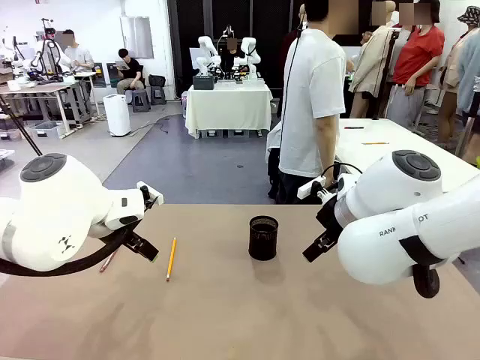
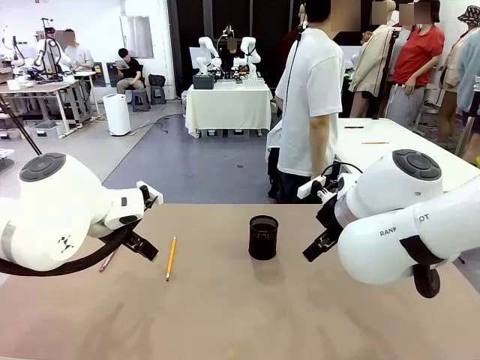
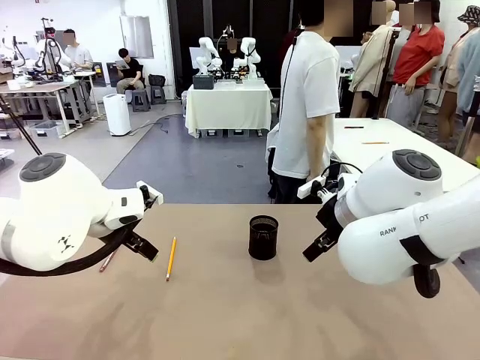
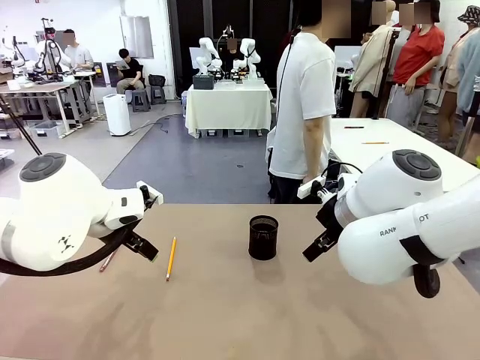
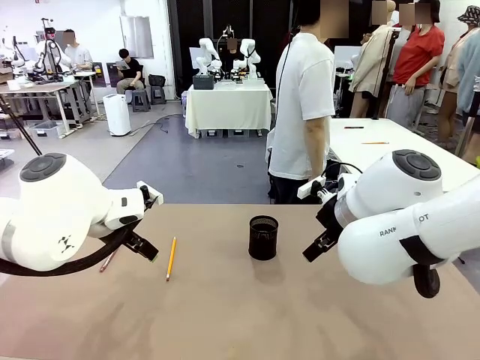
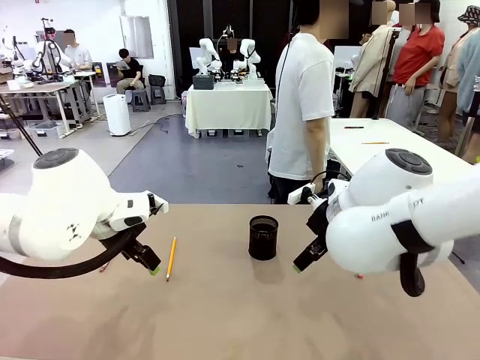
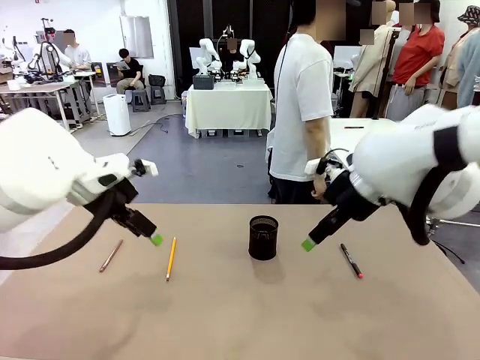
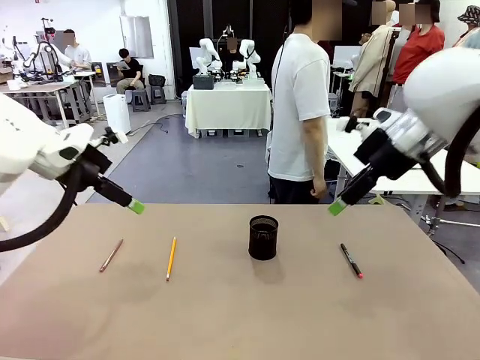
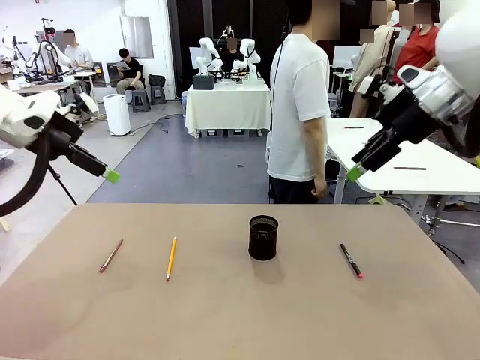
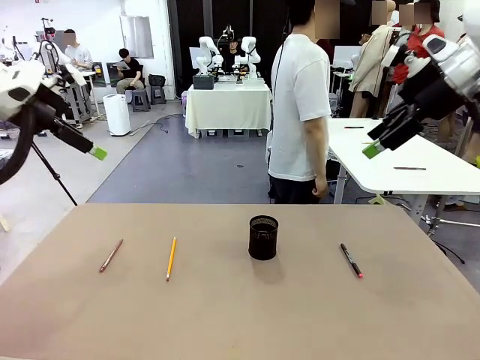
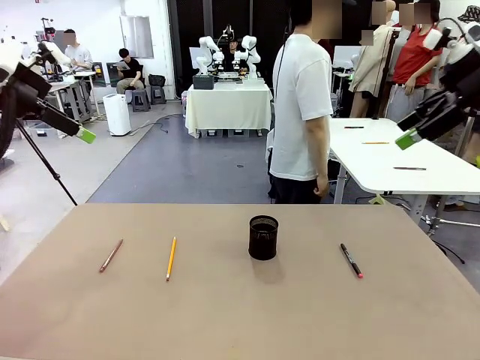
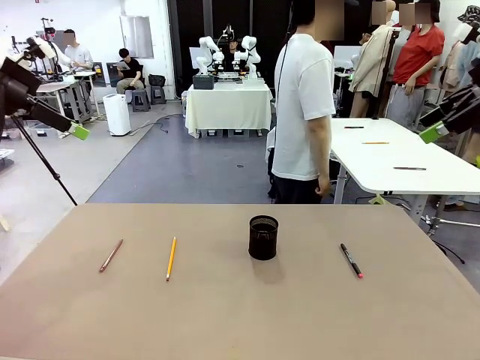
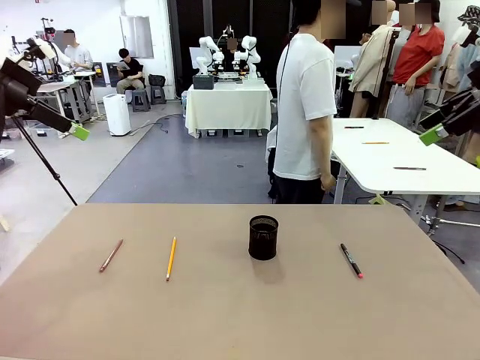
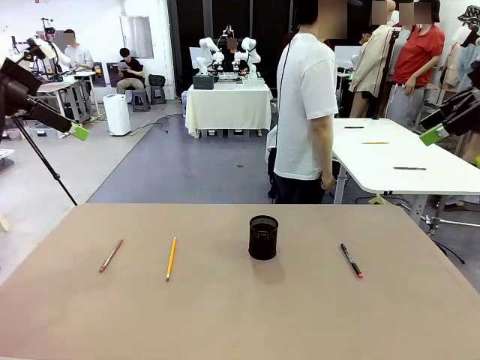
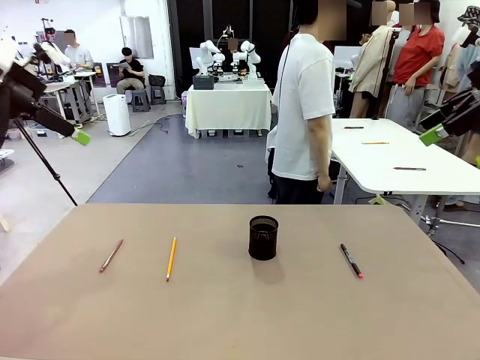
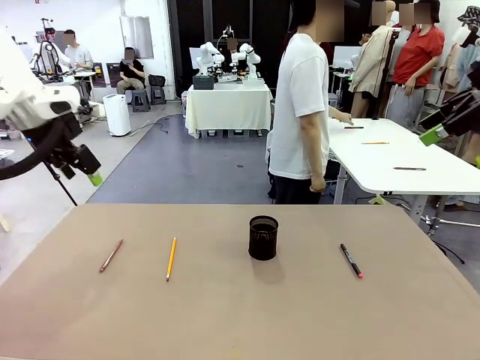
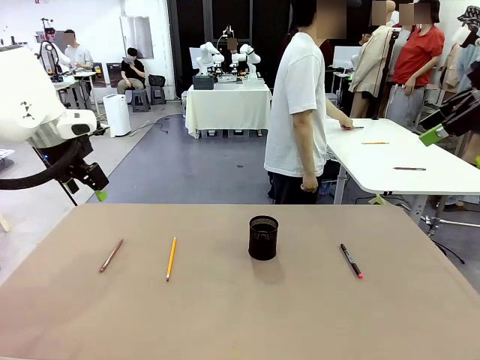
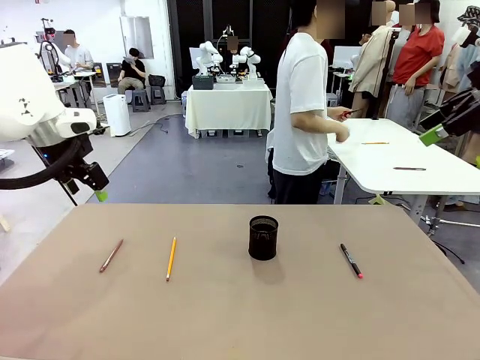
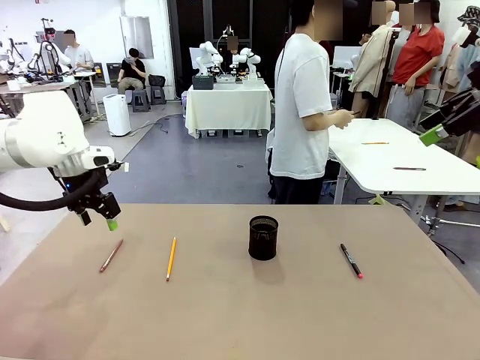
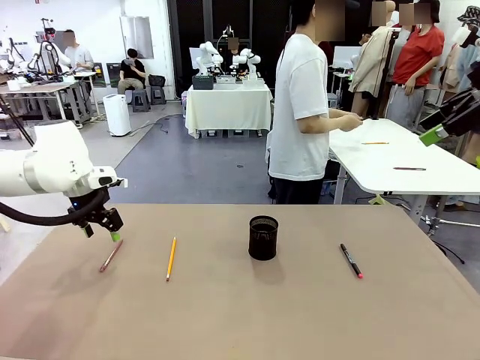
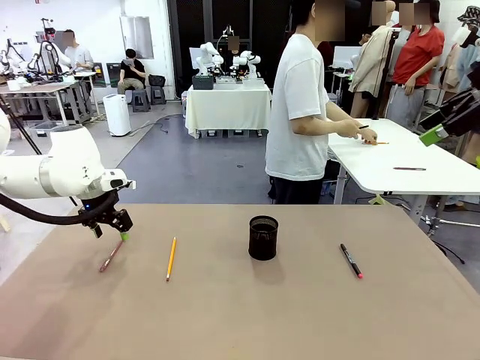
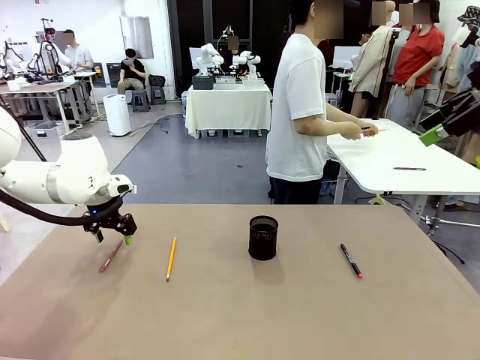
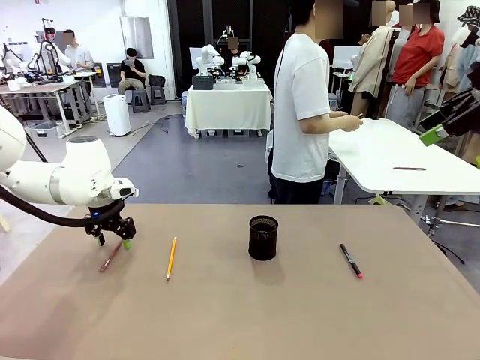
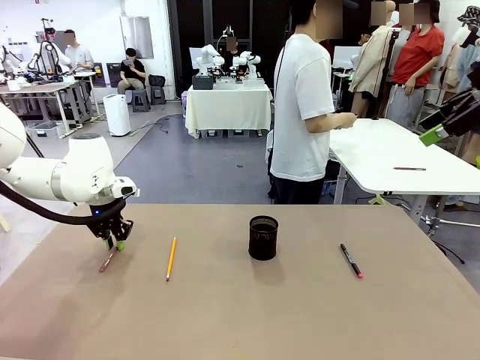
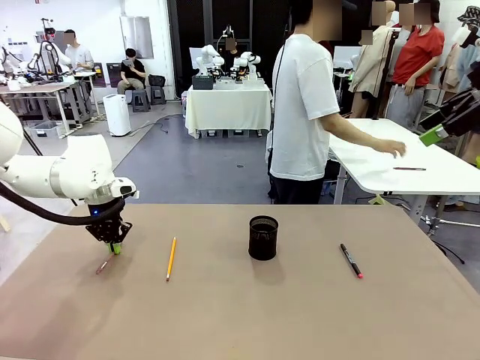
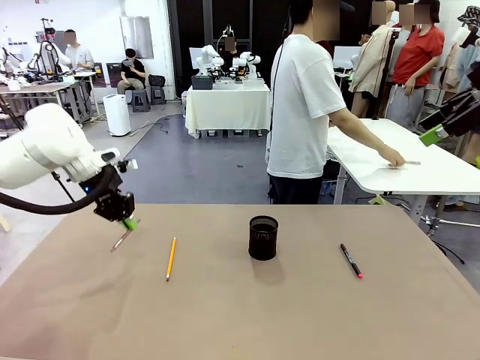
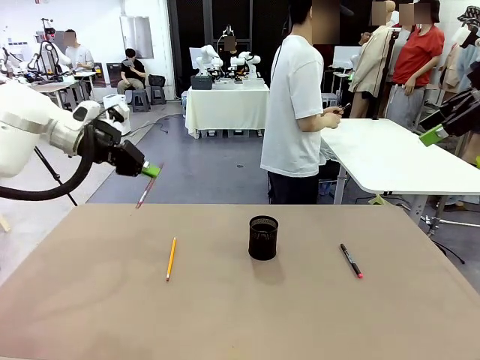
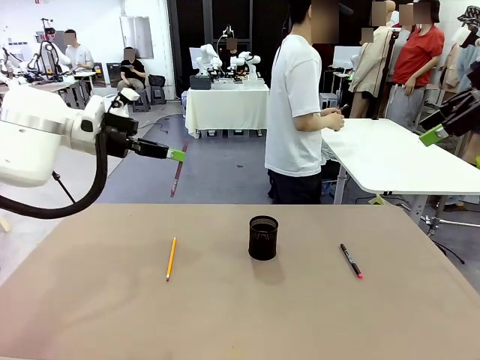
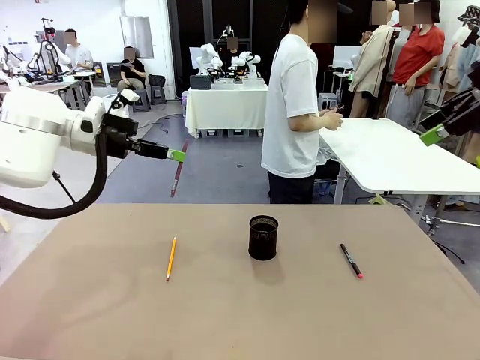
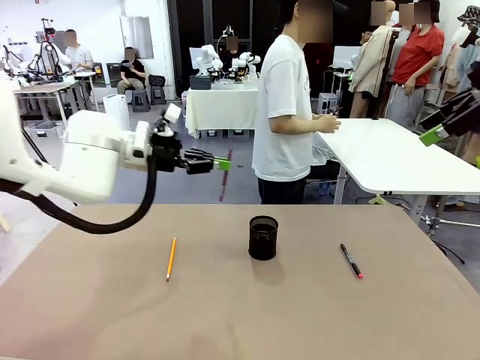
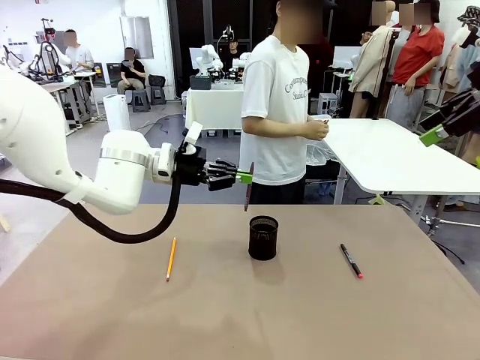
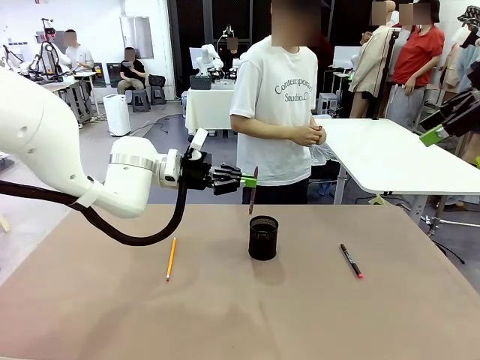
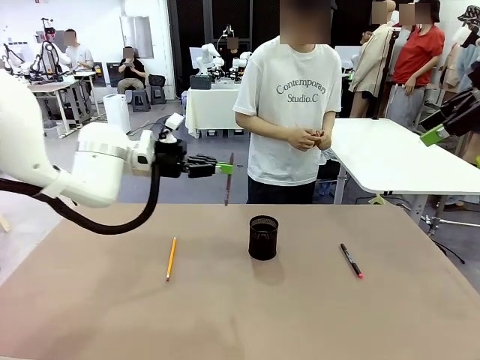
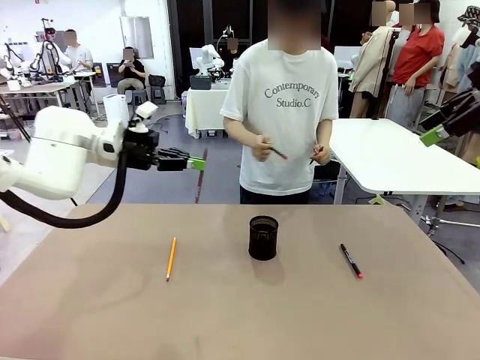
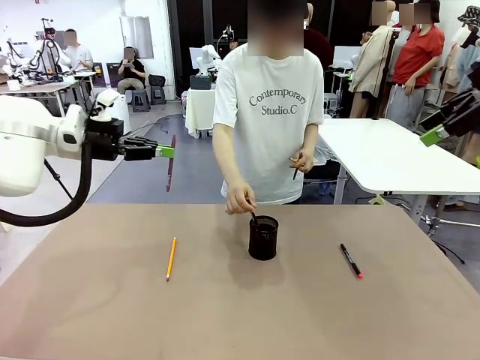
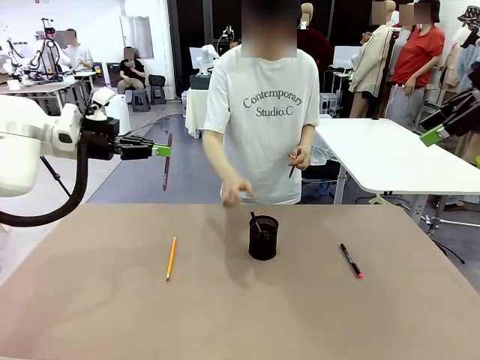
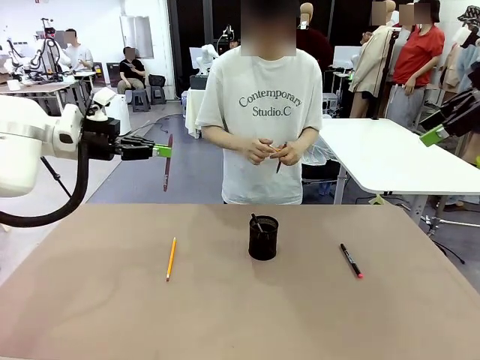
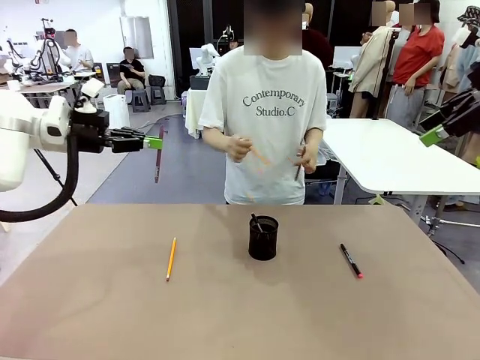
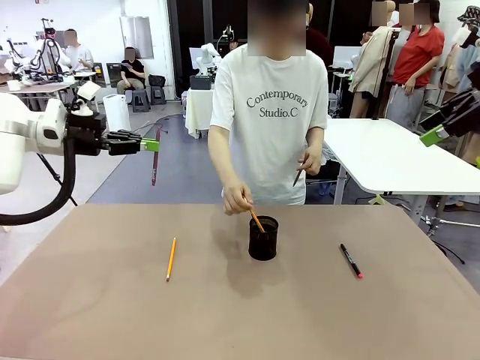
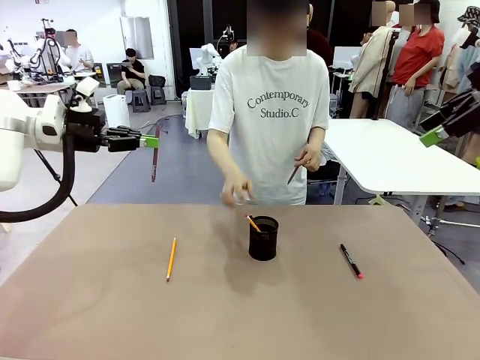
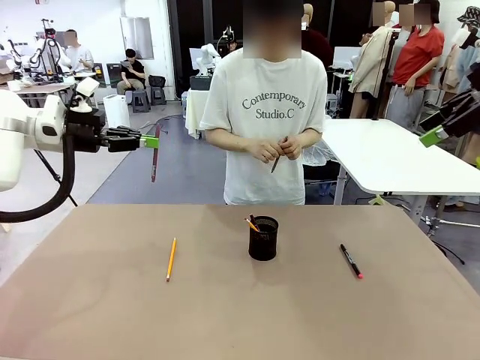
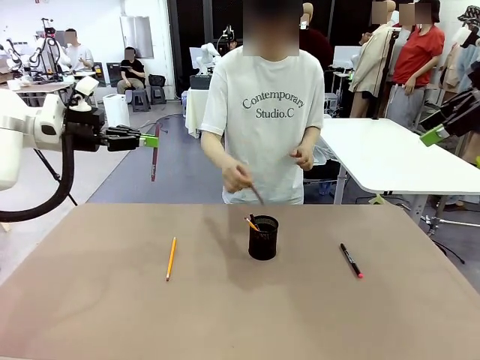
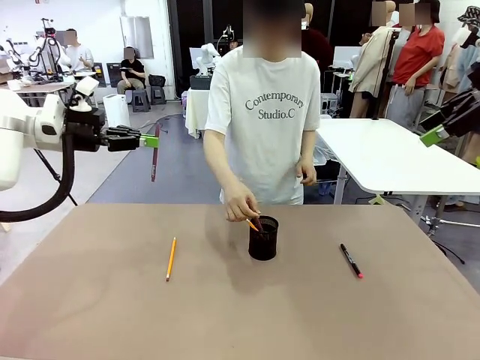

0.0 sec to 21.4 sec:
Task: Place the pens into the pen holder.
Robot: Pick up a writing instrument from the table and place it into the Pen holder.
Person: Pick up all writing instruments from the Human table.
